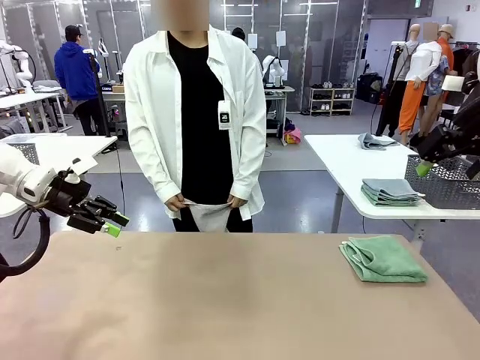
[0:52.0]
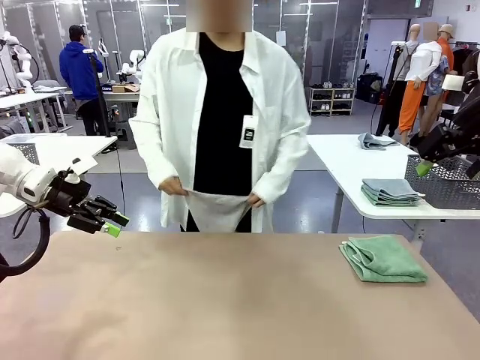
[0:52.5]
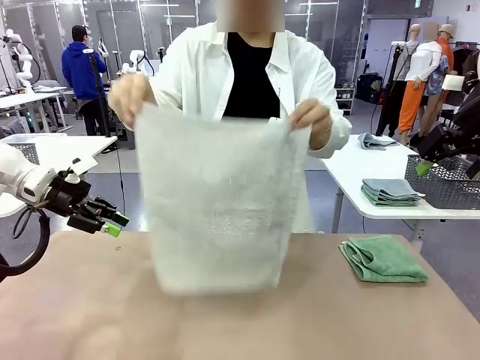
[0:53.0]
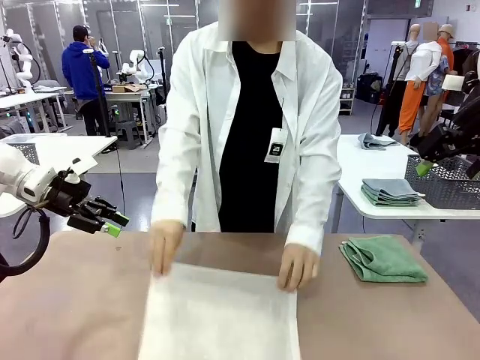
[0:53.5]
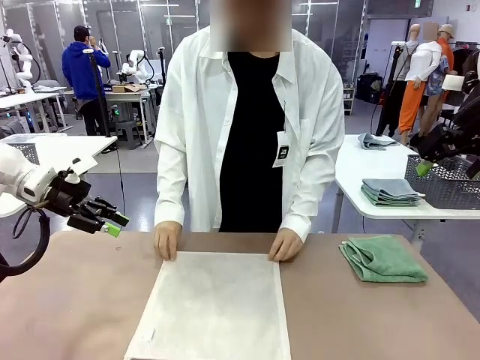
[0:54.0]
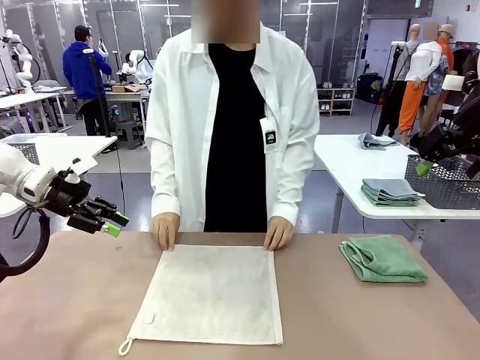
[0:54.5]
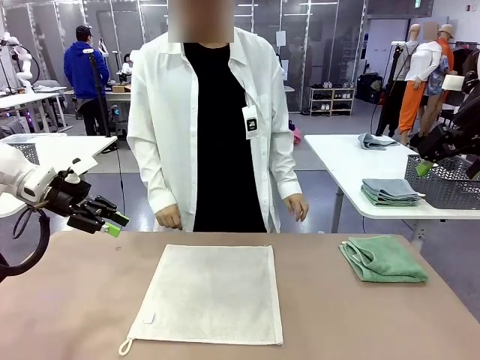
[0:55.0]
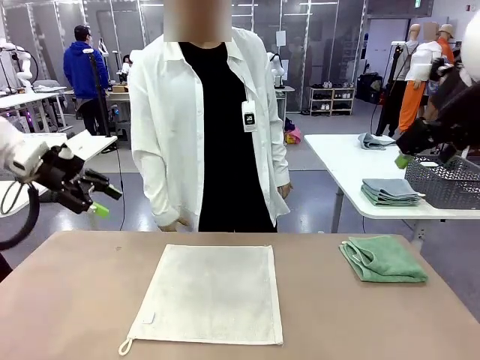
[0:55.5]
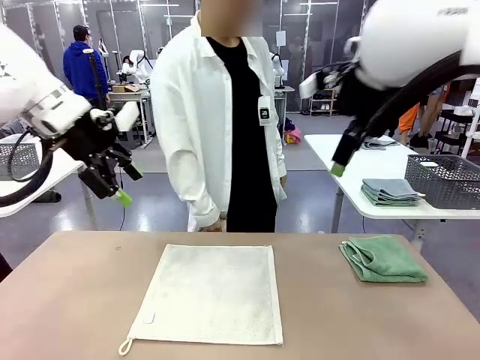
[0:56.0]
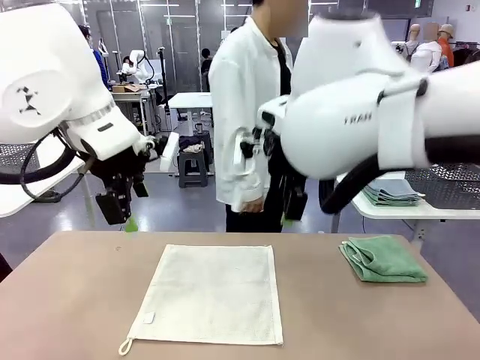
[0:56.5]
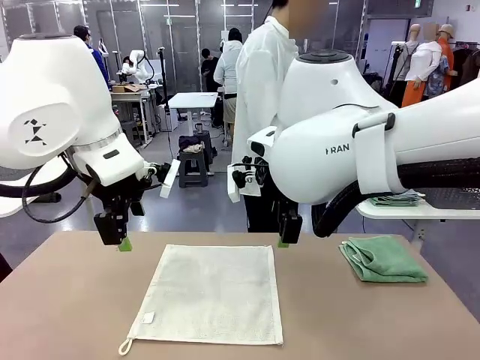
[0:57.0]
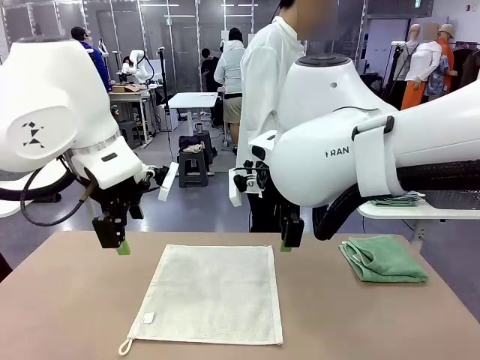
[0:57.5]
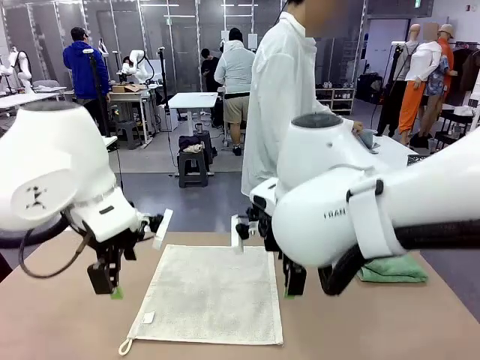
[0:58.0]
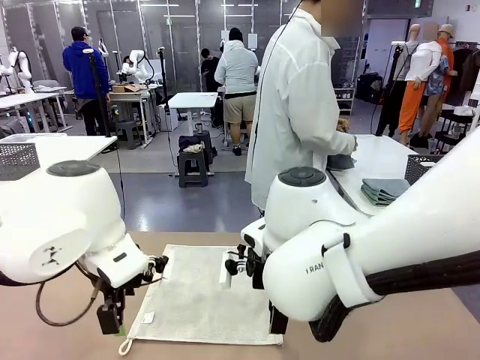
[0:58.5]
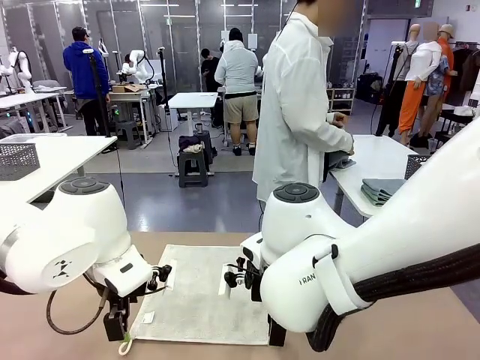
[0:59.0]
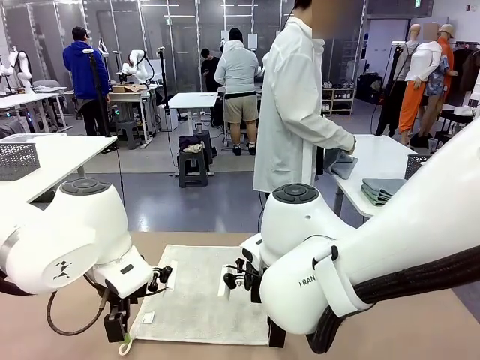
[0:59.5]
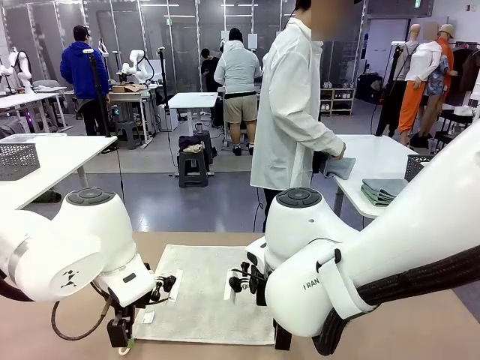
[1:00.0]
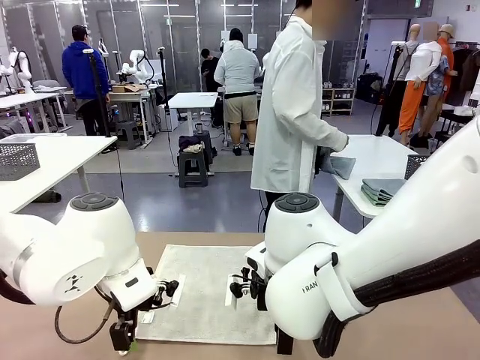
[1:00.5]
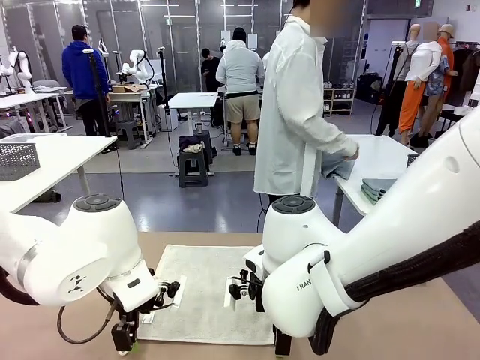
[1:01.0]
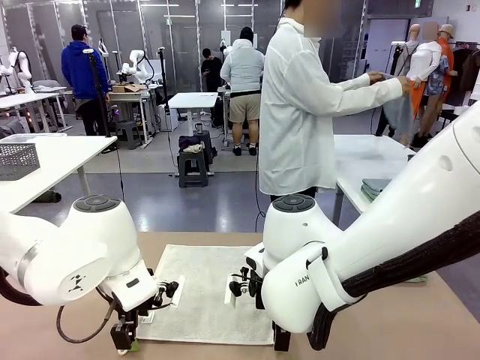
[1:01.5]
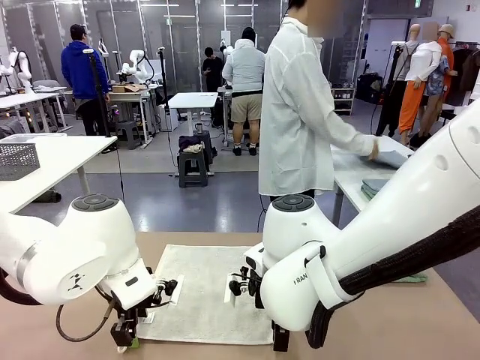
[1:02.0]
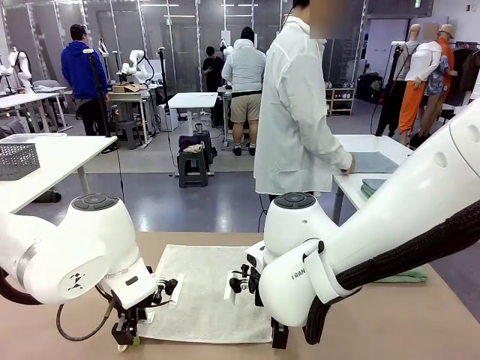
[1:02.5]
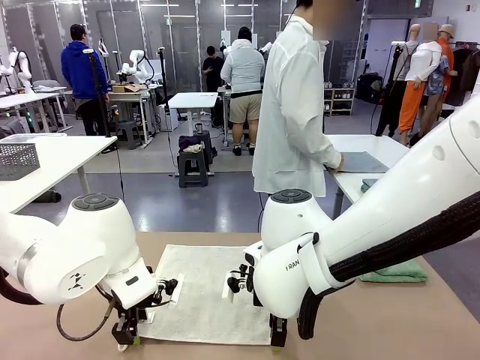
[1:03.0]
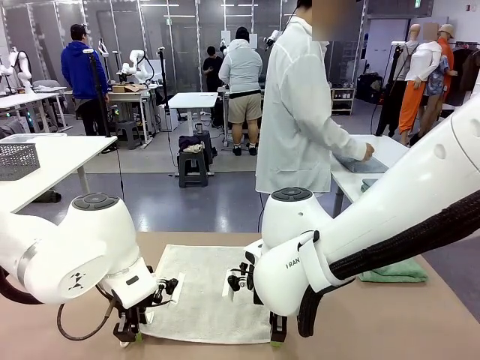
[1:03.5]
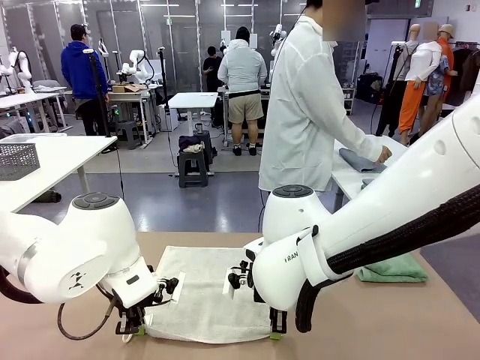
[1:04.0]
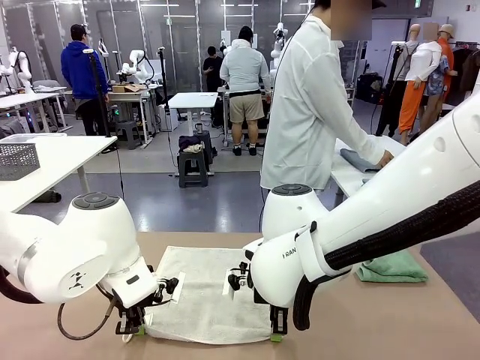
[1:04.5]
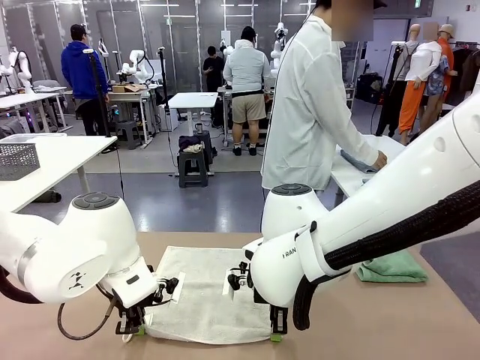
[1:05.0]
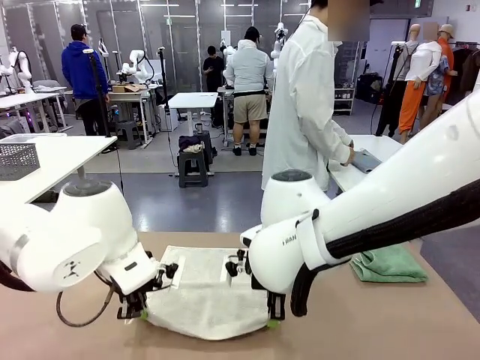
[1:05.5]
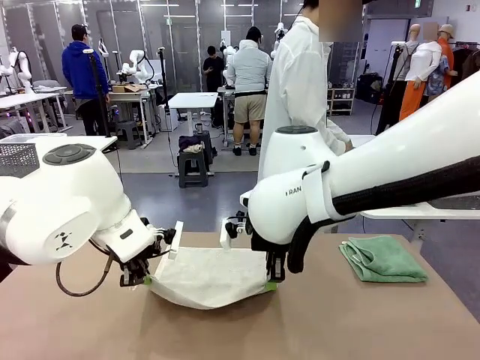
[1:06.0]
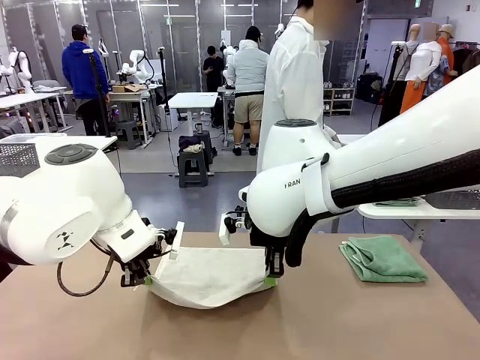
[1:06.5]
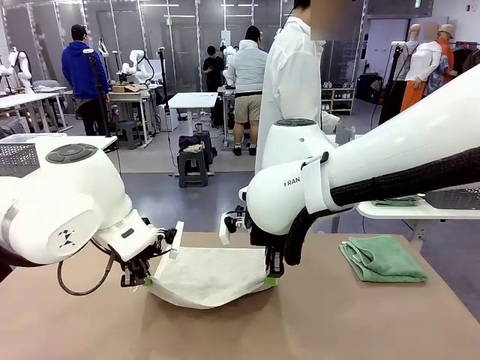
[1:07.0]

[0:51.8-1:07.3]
Task: Fold the towels and place them in the basket.
Robot: When a person lays out a Towel with hook on the table, fold it in half twice.
Person: Pick up one towel from the left side of the human table, fold it in half twice, and stack it on the right side of the table.
